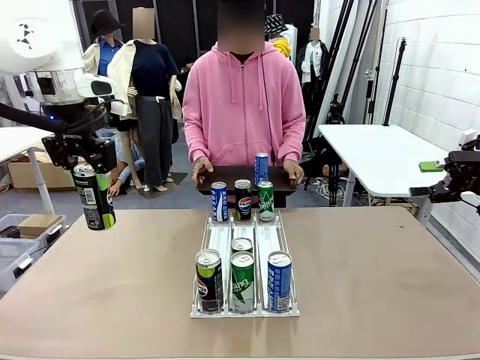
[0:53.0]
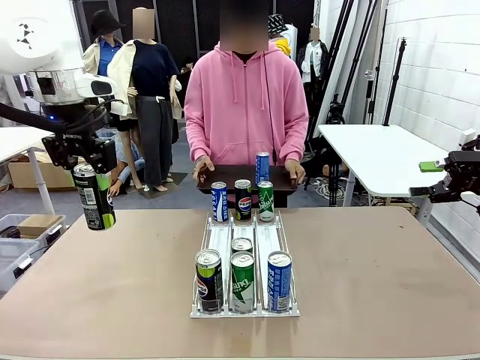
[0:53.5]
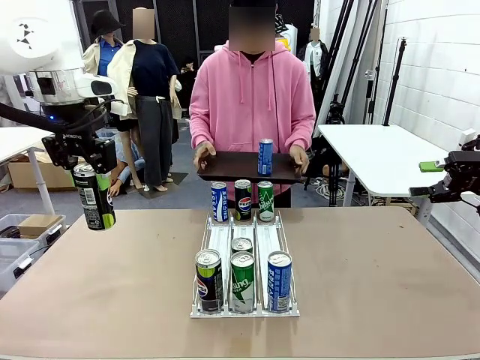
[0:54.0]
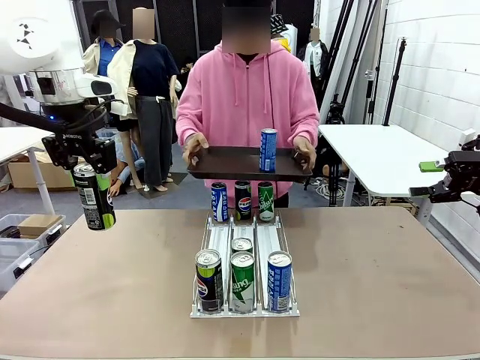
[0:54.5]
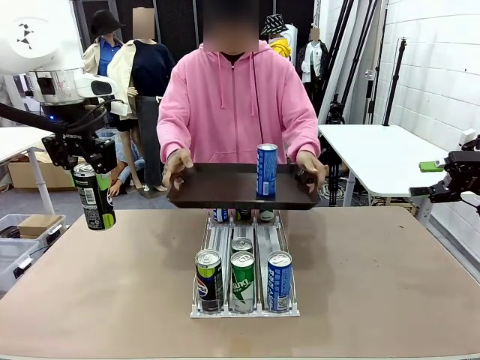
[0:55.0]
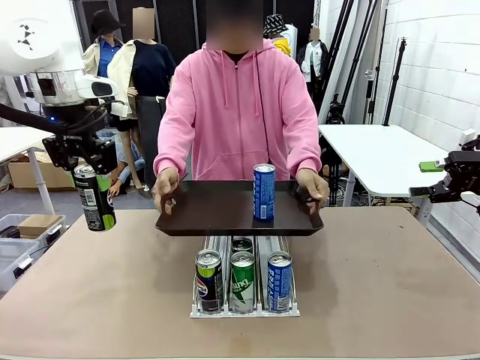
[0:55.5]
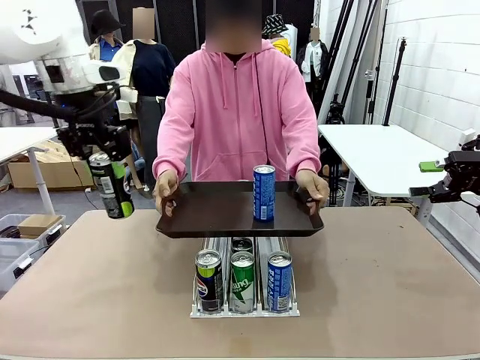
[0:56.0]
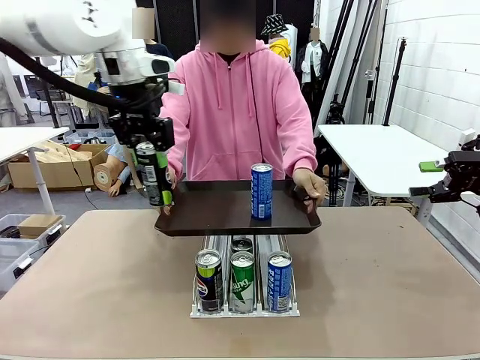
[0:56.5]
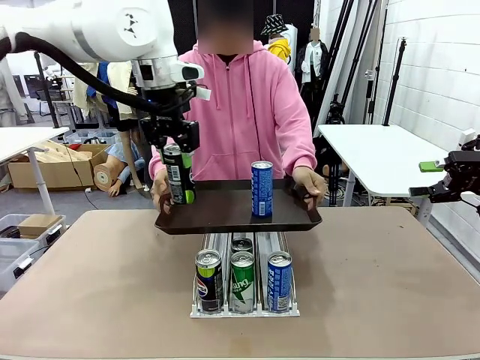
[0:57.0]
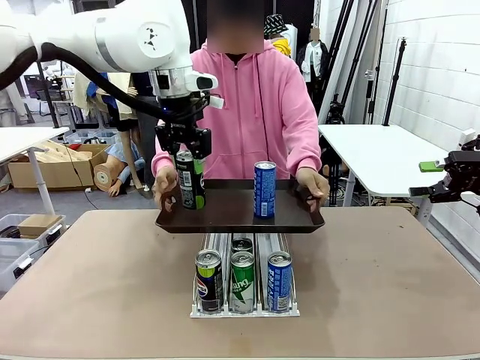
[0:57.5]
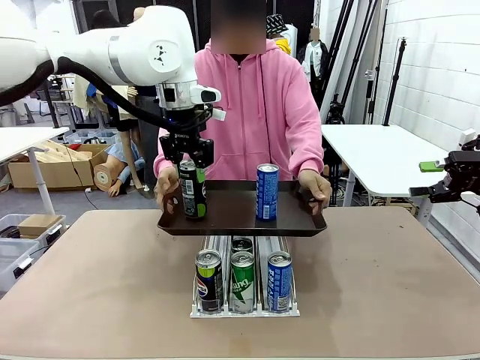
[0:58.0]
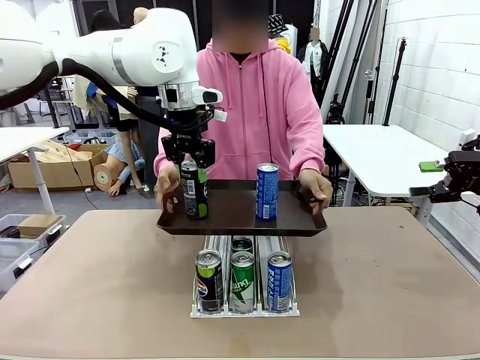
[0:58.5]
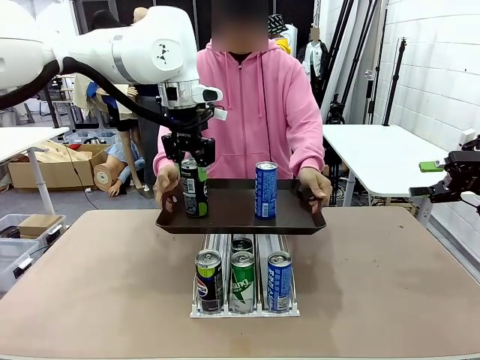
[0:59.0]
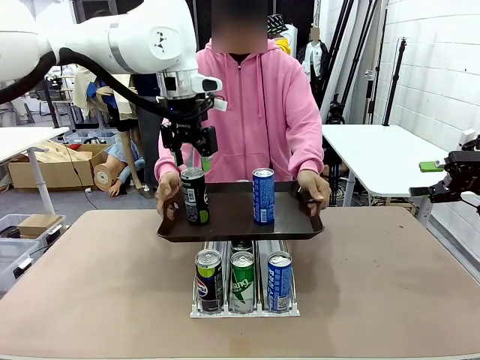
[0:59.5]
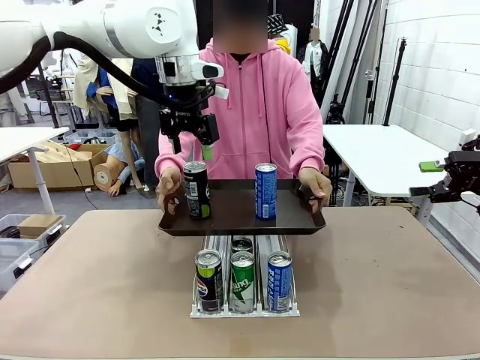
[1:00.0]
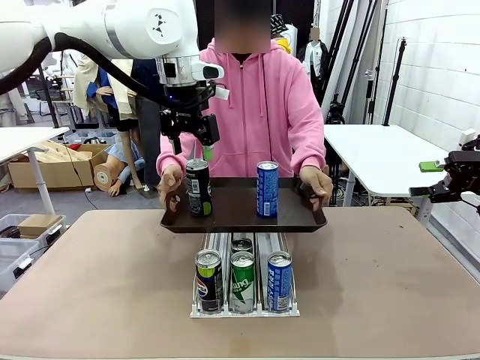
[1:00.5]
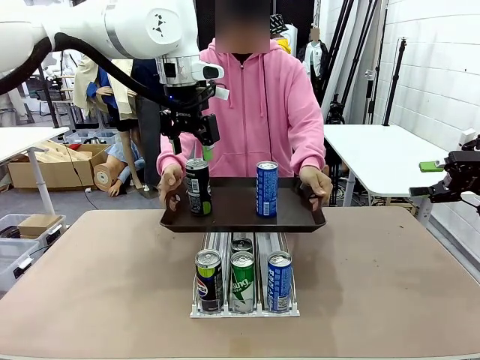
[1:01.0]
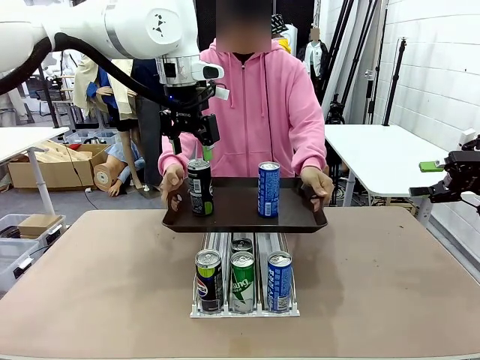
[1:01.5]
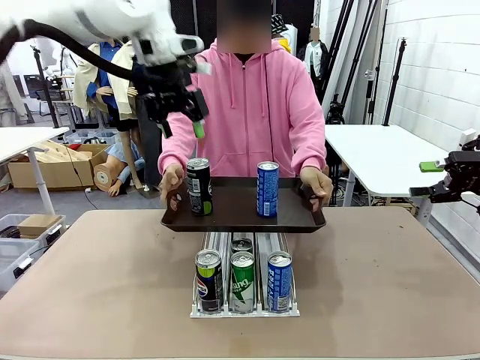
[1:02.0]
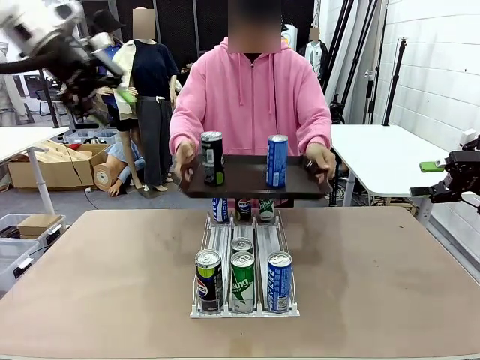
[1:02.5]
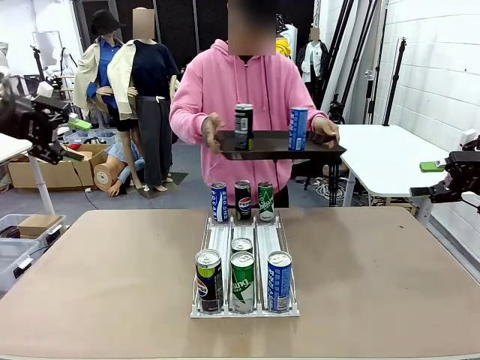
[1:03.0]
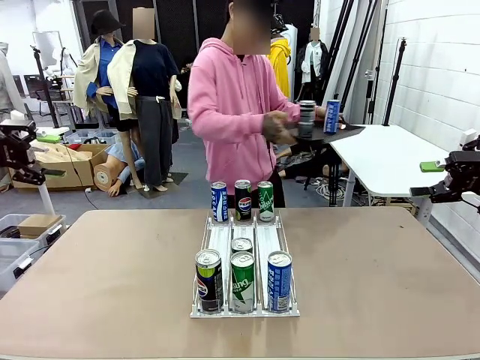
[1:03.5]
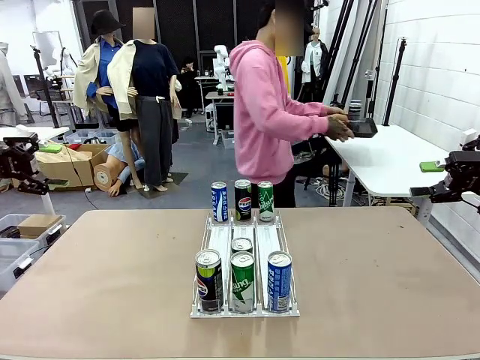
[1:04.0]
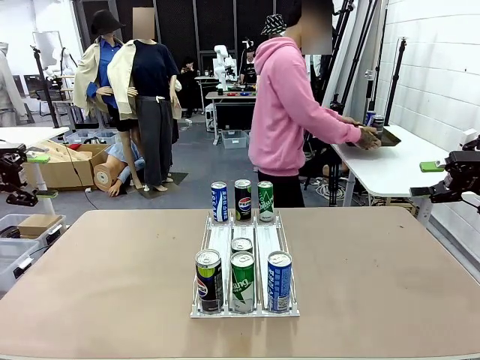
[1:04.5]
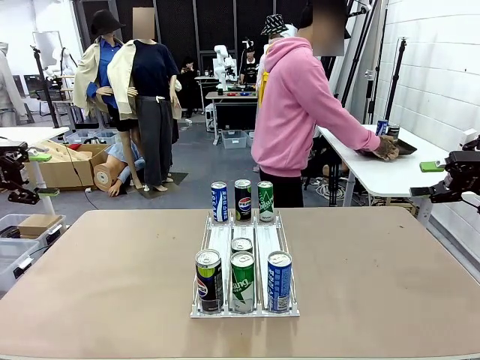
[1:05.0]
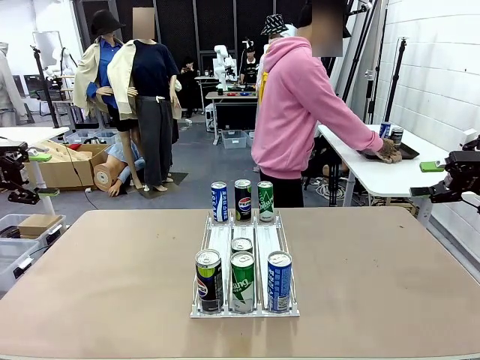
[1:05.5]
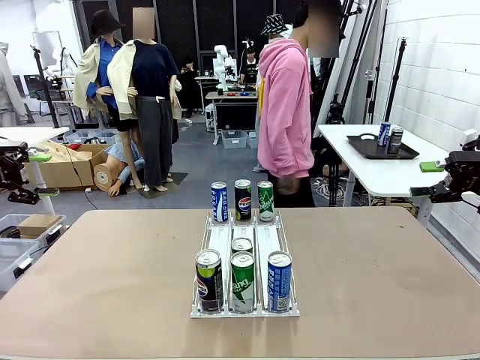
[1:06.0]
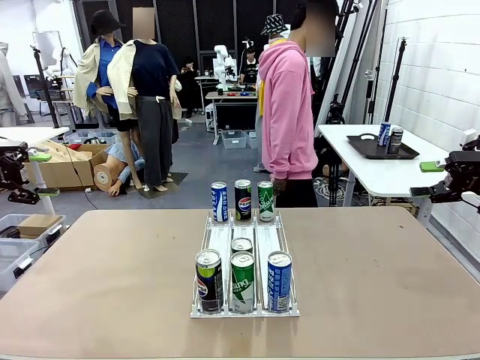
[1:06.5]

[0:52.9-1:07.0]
Task: Retrieve and hand over the desired beverage to the person.
Robot: Place the picked can on the Handle tray extended by the person.
Person: Pull the tray back and place it at the center of the human table.

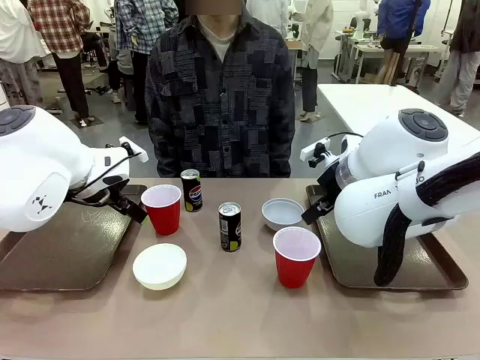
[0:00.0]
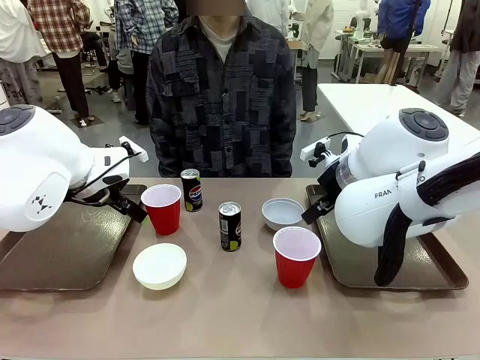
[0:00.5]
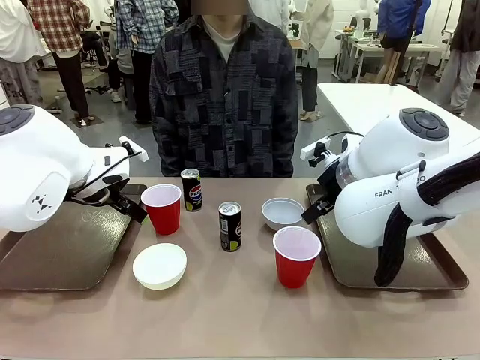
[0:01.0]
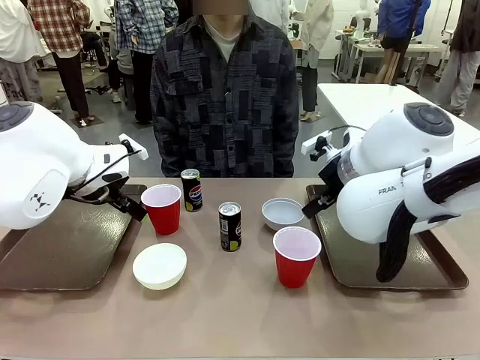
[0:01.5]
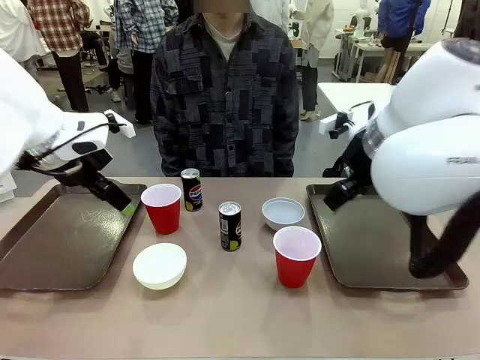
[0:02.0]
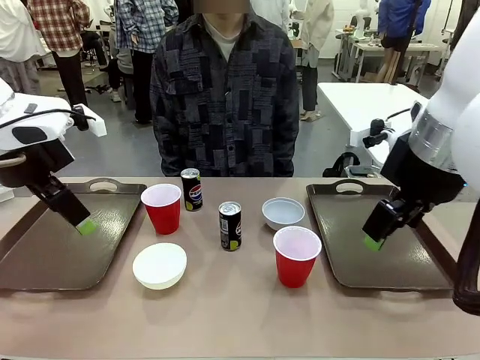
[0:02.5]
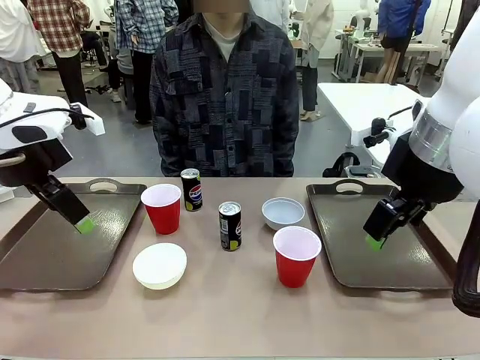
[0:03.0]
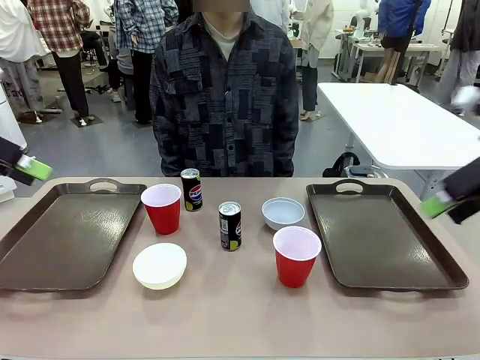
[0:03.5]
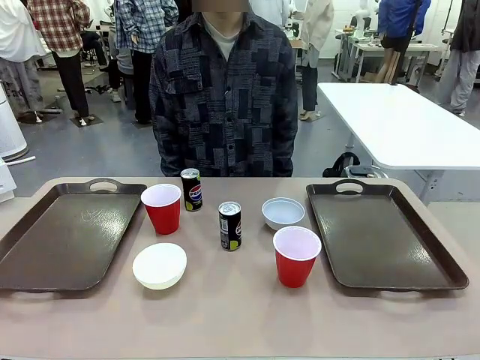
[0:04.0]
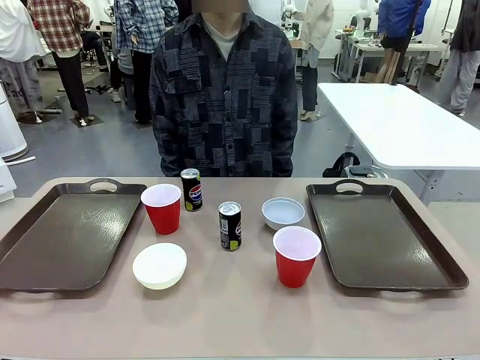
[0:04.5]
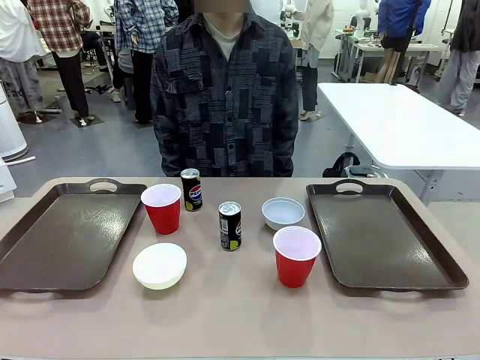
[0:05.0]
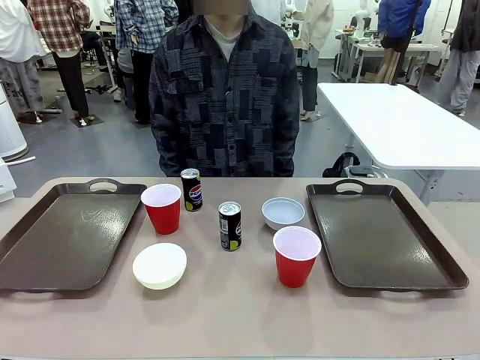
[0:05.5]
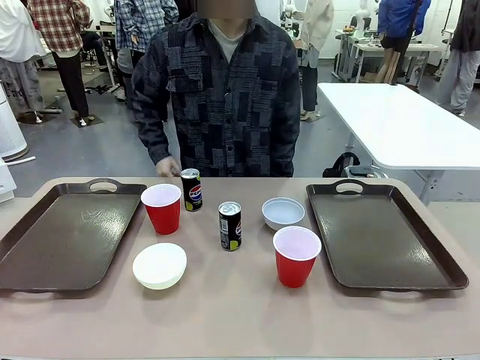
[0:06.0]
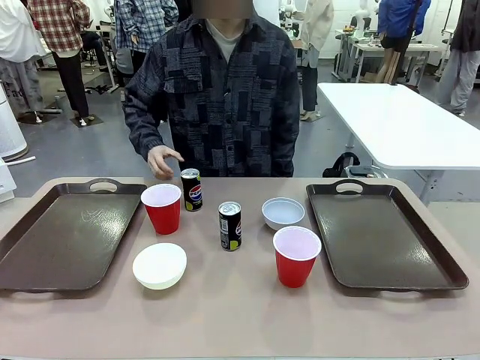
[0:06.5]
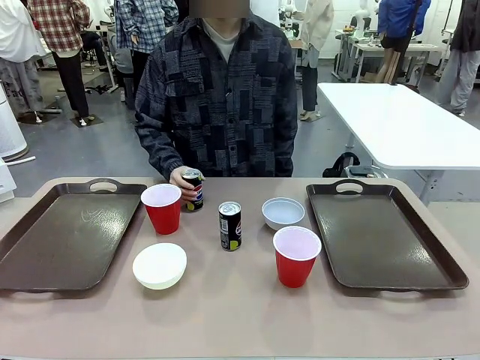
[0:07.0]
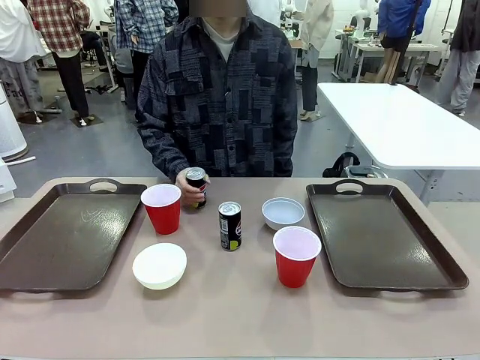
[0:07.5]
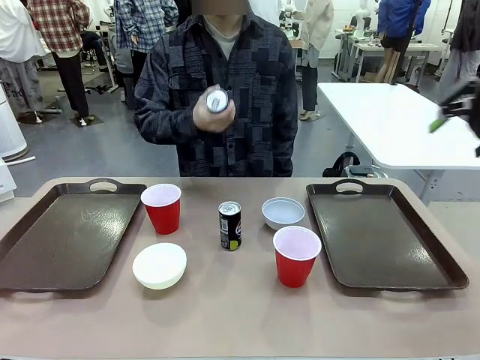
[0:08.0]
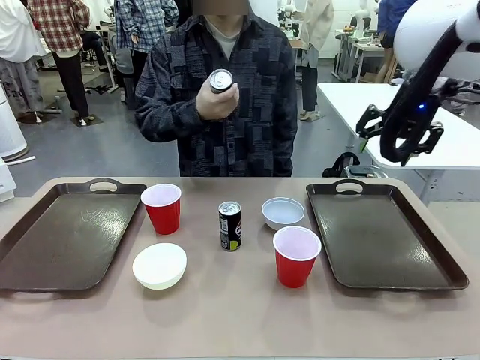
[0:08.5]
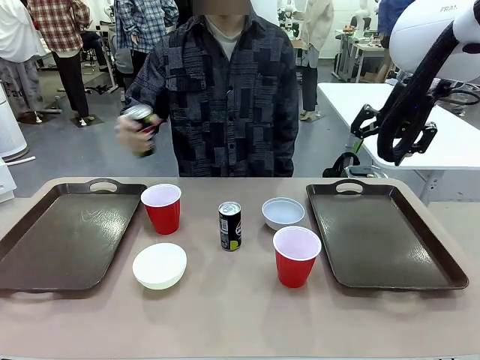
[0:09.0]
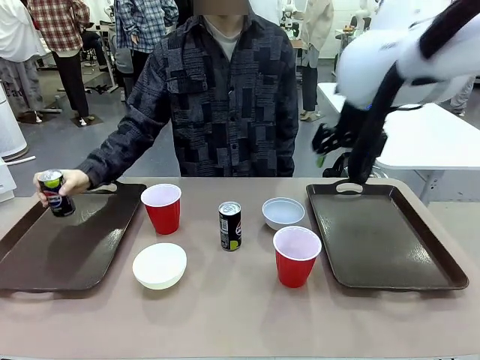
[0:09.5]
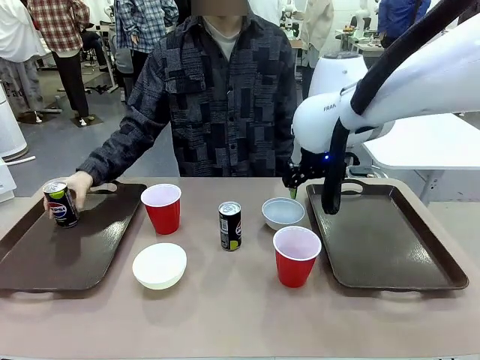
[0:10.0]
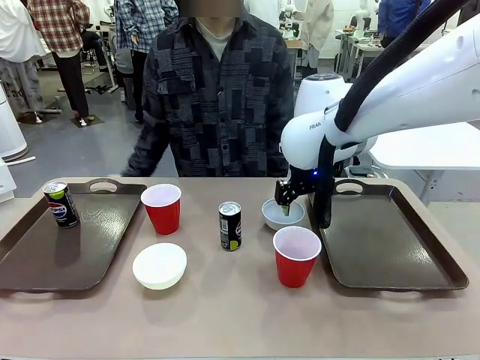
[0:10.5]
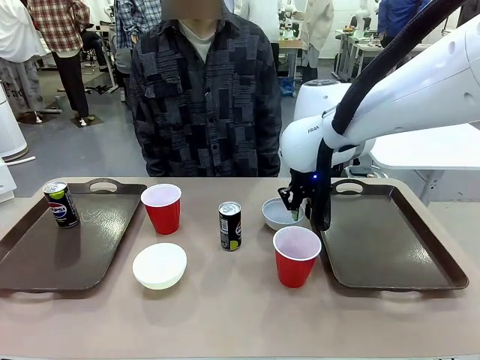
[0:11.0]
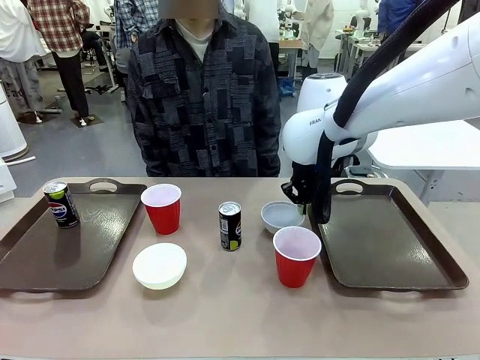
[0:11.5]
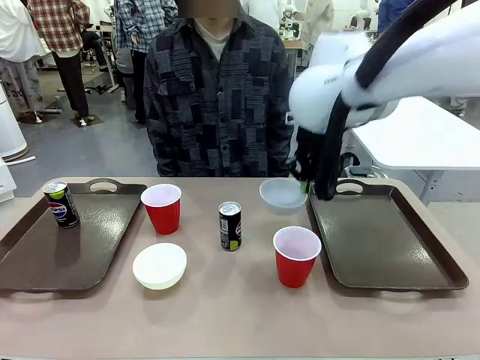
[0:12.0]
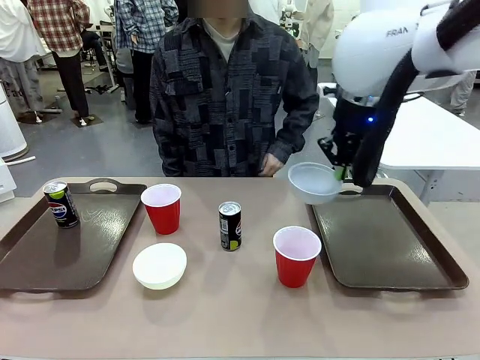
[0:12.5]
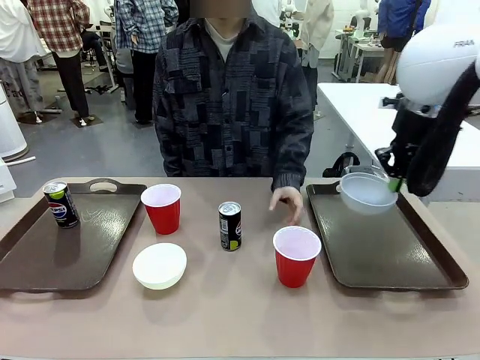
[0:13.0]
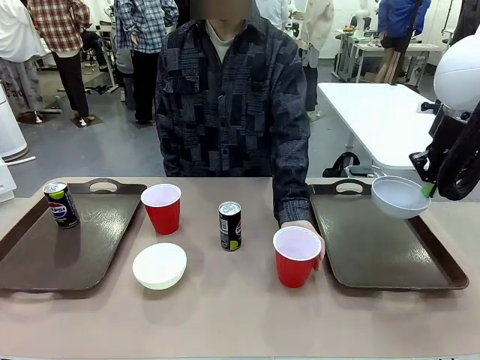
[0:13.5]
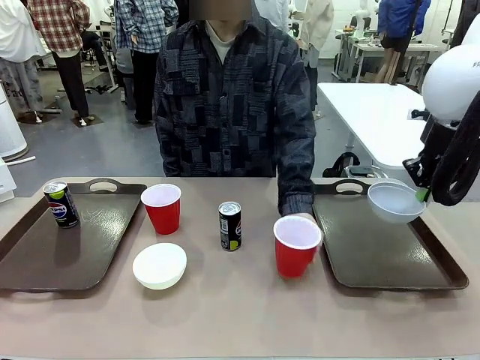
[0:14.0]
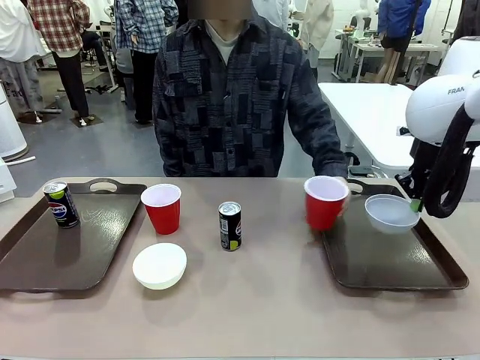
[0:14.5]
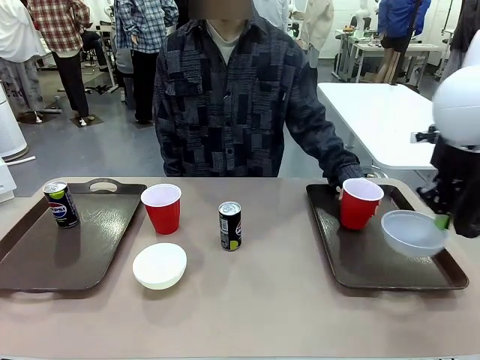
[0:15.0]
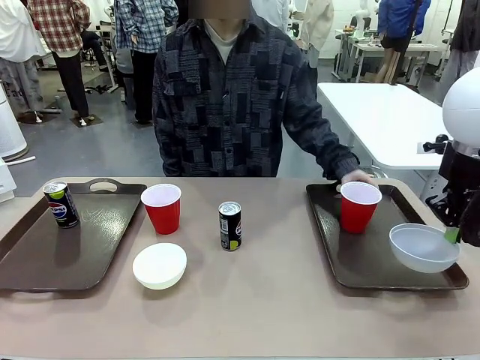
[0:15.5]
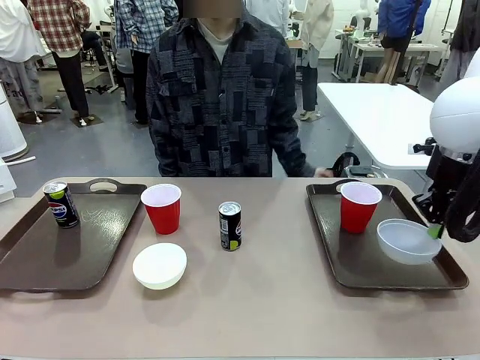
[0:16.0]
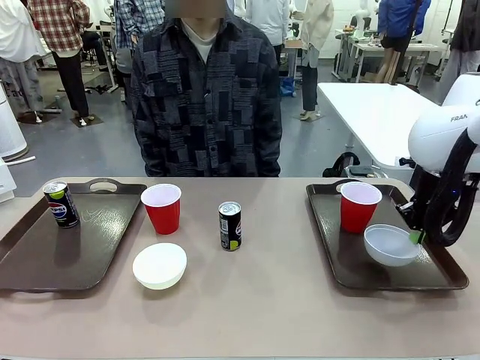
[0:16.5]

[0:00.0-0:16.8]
Task: Prepare tableware on both trays.
Robot: Pick up a Picnic Bowl from the table and place it on a Handle tray.
Person: Pick up a can or cup and place it on the tray.
